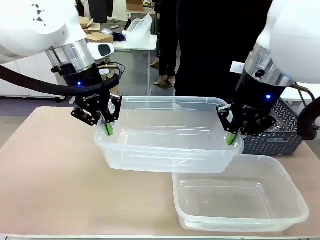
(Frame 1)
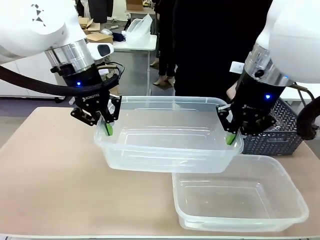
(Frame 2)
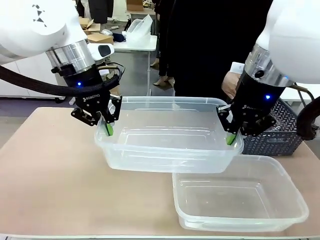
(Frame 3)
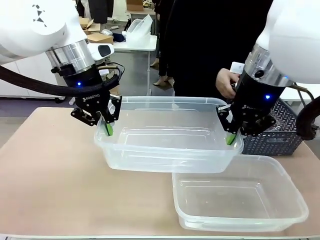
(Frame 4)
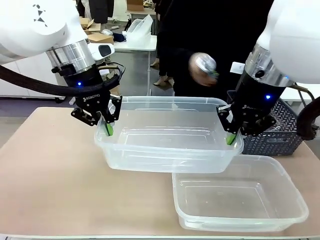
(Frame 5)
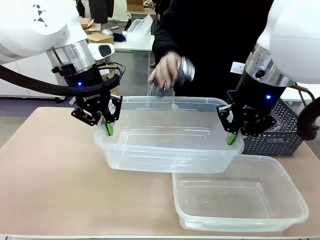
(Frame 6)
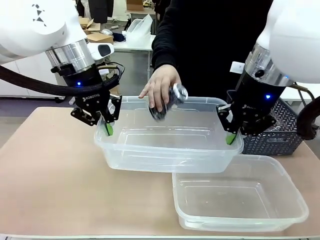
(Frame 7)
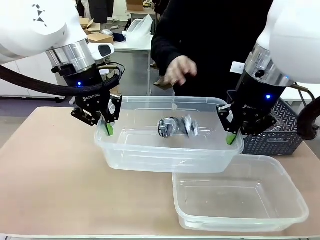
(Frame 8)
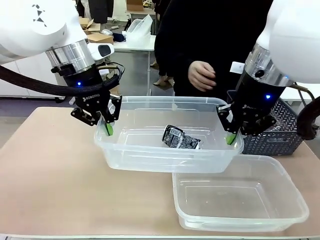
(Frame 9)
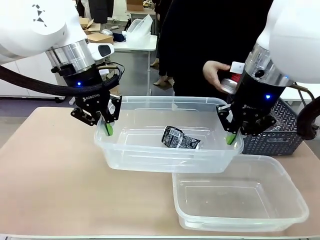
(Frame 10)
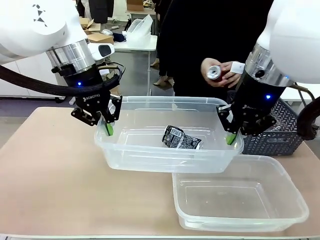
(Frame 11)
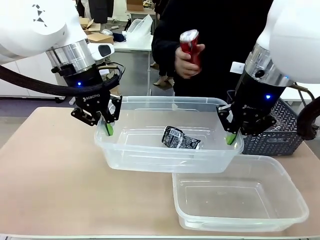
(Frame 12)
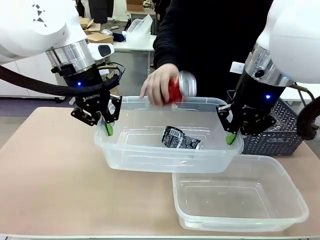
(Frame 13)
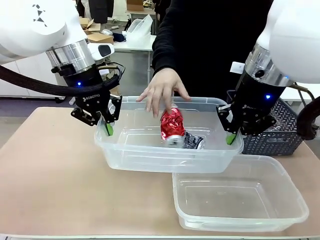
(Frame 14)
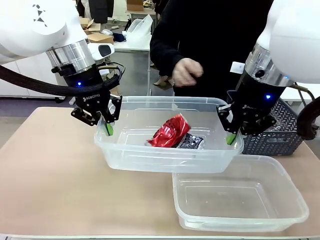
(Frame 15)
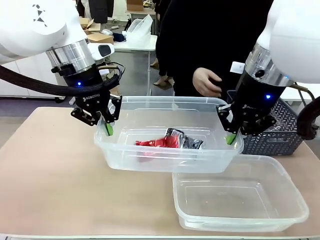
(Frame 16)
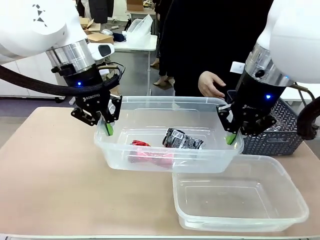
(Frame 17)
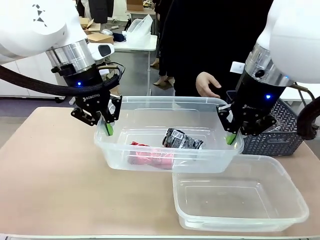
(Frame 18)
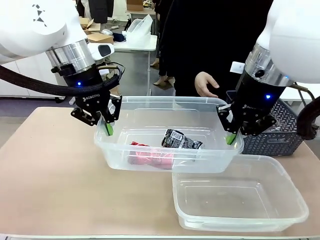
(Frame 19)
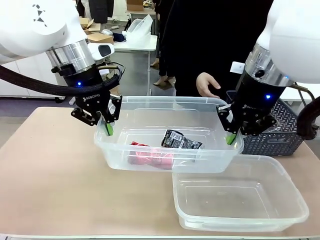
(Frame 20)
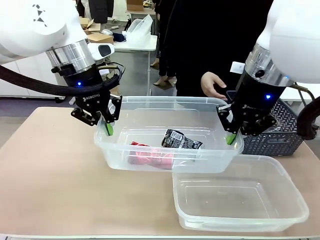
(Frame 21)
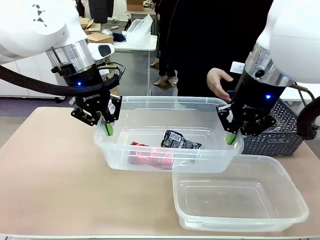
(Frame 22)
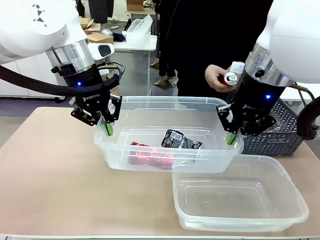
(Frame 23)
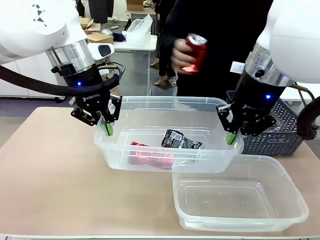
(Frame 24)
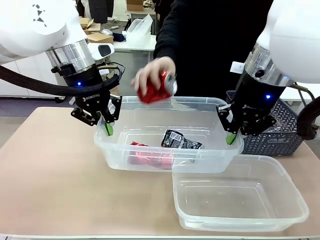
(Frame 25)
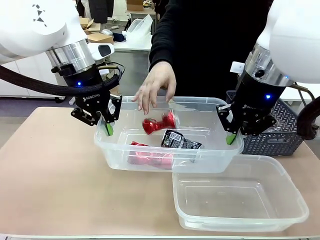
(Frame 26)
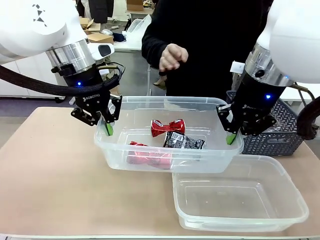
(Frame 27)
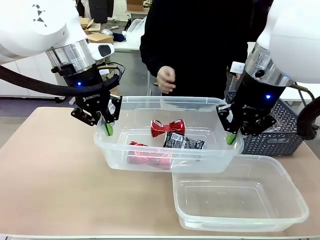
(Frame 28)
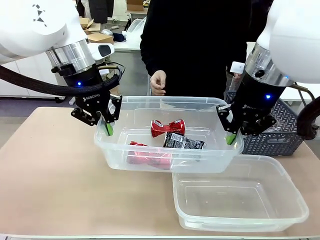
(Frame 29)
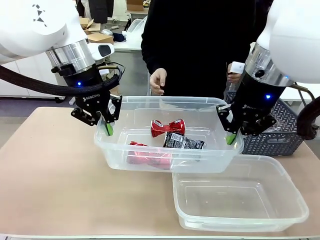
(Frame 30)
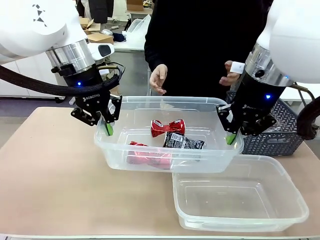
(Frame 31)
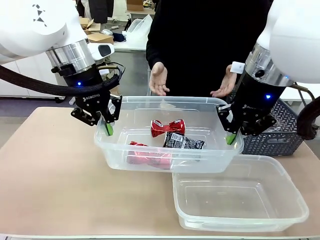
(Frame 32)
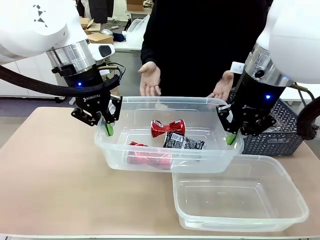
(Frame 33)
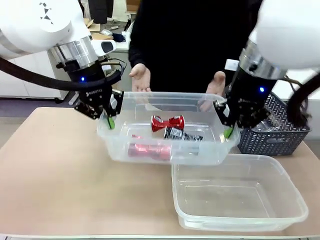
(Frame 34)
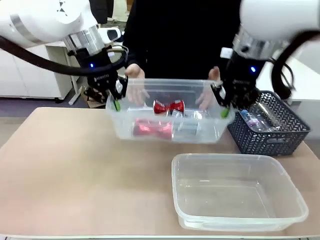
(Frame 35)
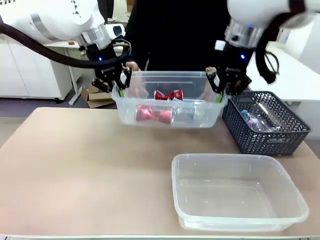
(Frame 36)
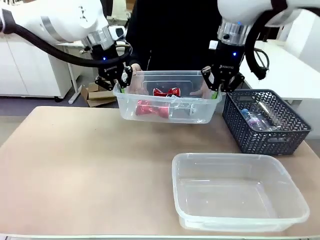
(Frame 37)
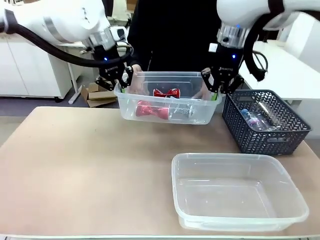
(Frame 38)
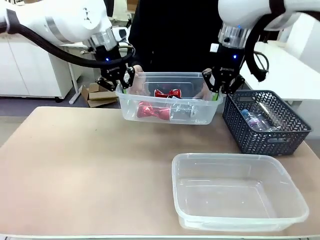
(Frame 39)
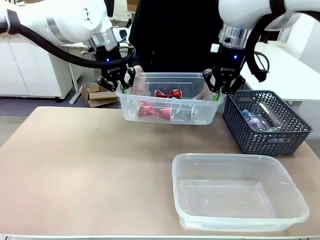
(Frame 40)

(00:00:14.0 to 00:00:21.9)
Robot: Offer the picked Organizing box to the human.

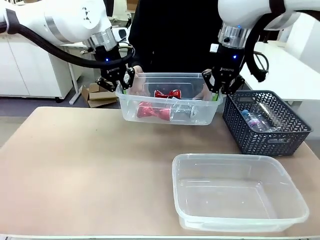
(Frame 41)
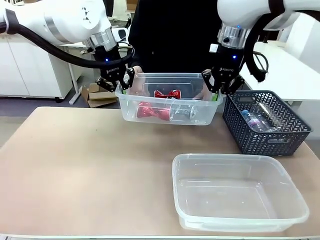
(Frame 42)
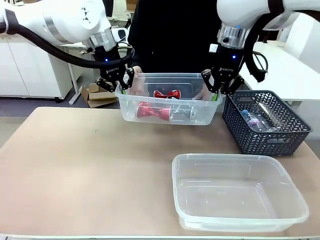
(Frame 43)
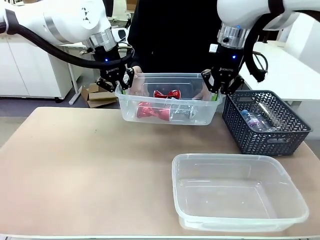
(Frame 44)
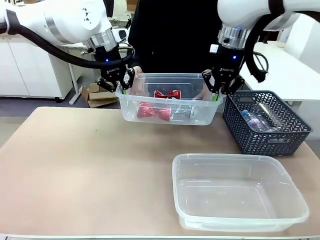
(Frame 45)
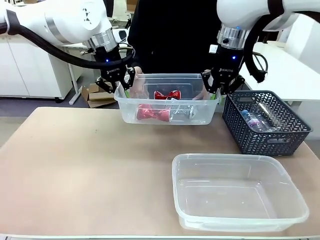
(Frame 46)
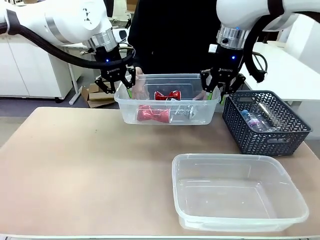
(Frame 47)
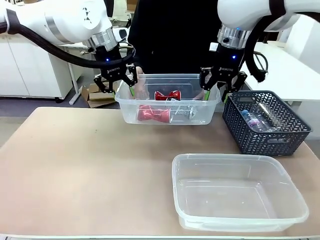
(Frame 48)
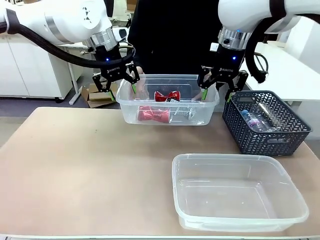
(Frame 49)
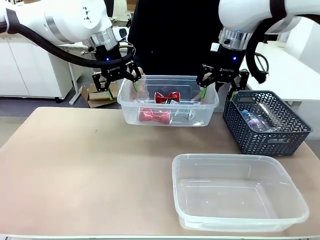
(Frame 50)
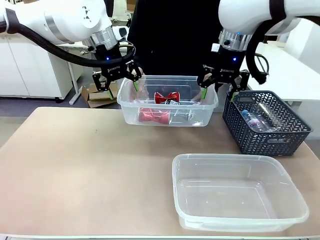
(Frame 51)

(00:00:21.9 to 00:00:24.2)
Robot: Release the Organizing box you were holding.

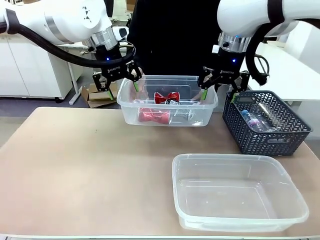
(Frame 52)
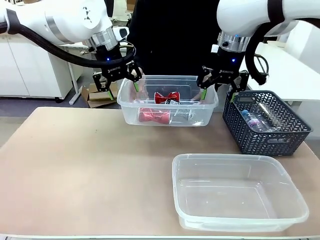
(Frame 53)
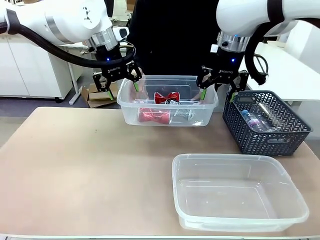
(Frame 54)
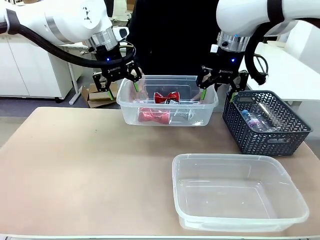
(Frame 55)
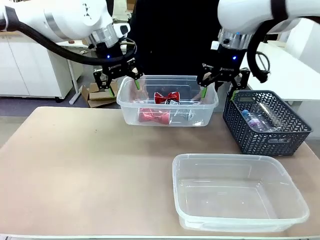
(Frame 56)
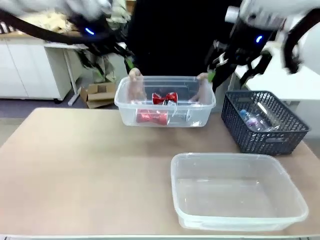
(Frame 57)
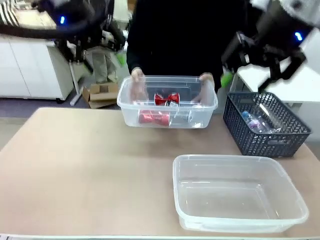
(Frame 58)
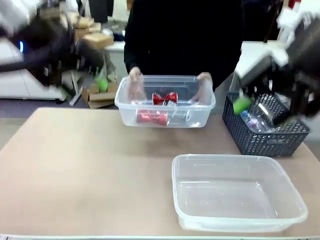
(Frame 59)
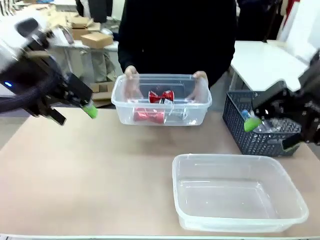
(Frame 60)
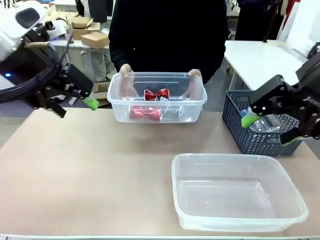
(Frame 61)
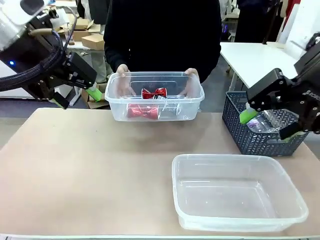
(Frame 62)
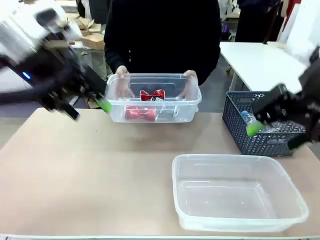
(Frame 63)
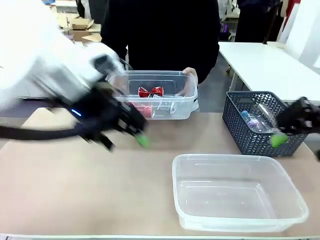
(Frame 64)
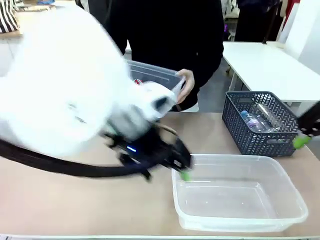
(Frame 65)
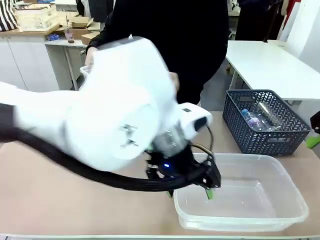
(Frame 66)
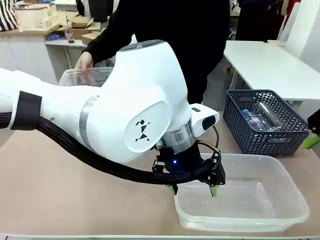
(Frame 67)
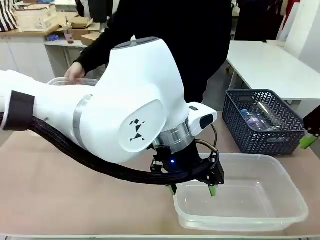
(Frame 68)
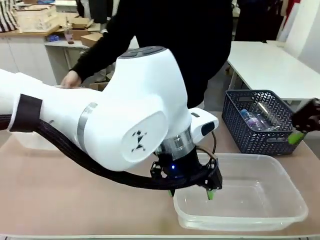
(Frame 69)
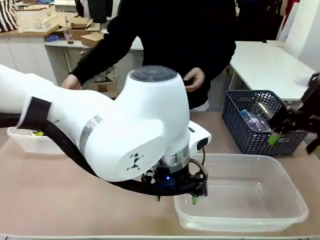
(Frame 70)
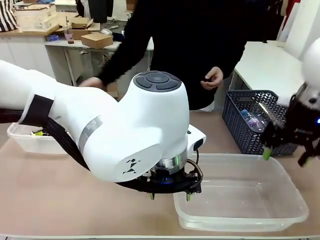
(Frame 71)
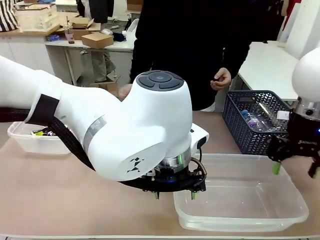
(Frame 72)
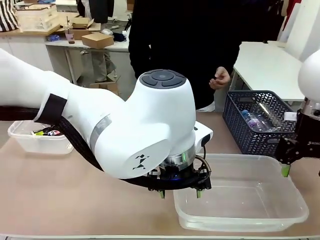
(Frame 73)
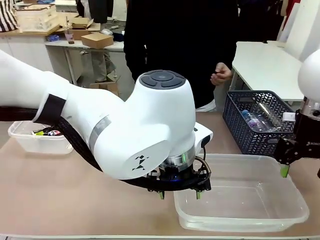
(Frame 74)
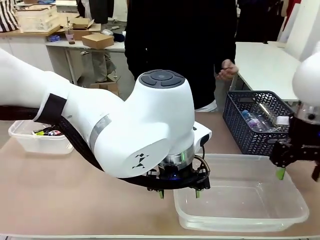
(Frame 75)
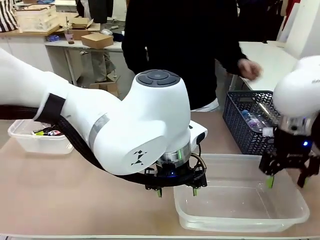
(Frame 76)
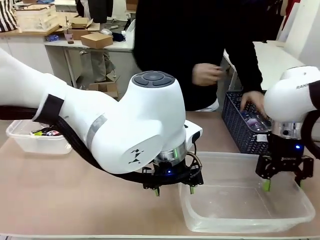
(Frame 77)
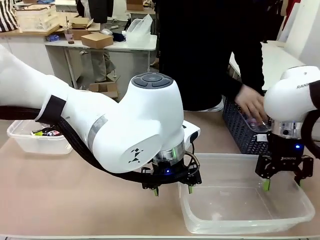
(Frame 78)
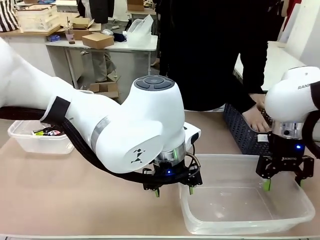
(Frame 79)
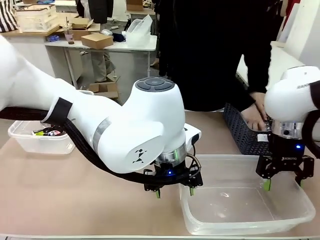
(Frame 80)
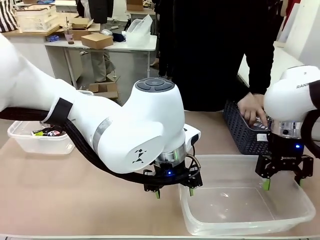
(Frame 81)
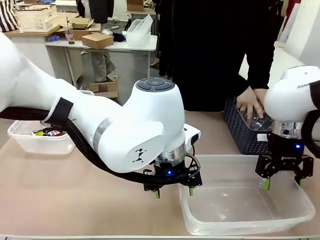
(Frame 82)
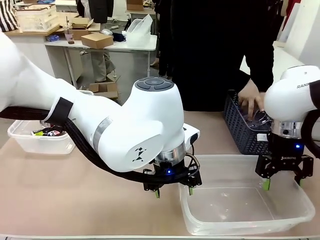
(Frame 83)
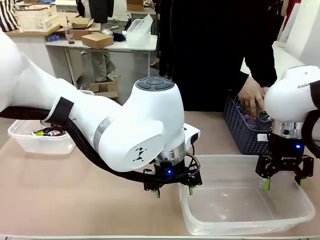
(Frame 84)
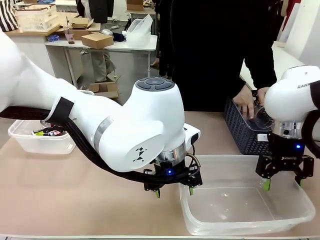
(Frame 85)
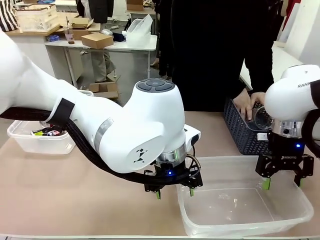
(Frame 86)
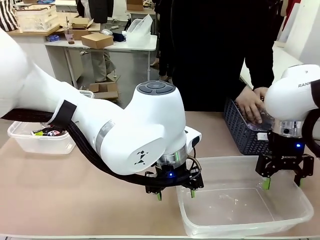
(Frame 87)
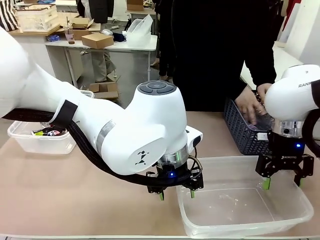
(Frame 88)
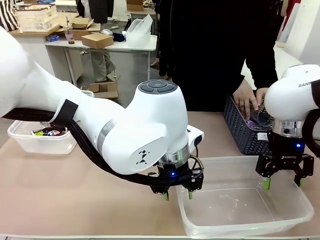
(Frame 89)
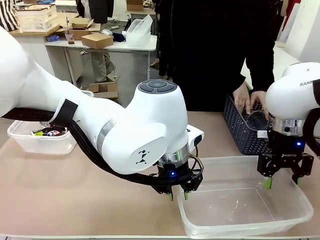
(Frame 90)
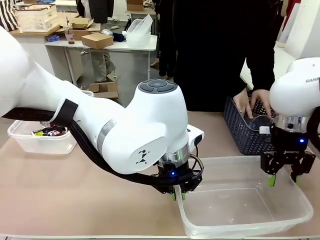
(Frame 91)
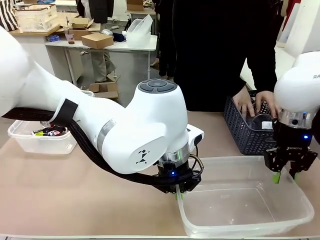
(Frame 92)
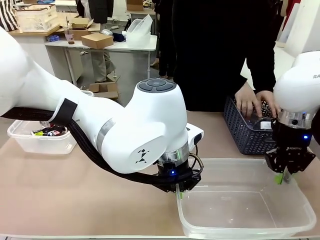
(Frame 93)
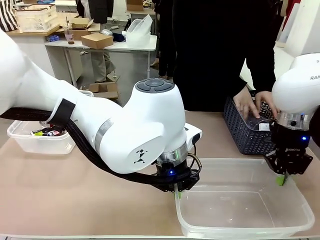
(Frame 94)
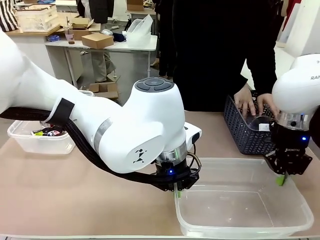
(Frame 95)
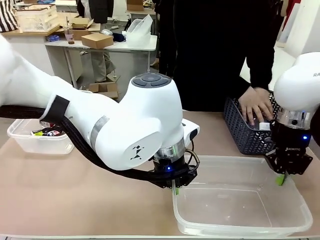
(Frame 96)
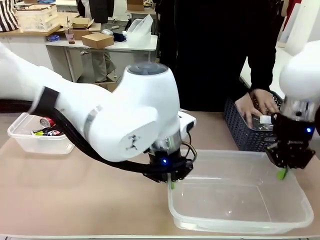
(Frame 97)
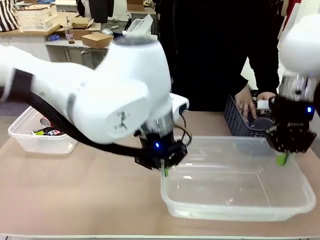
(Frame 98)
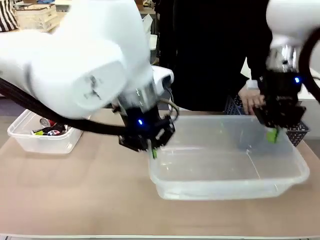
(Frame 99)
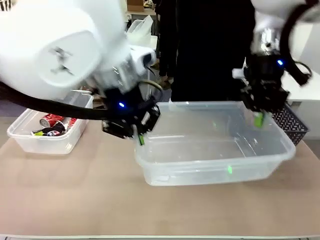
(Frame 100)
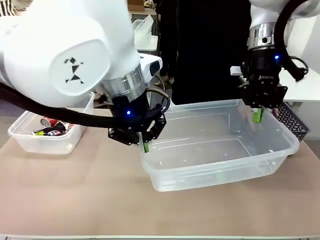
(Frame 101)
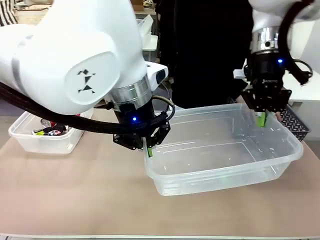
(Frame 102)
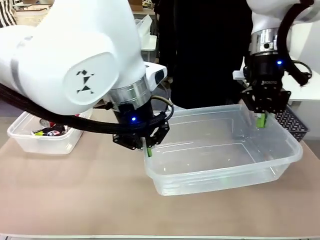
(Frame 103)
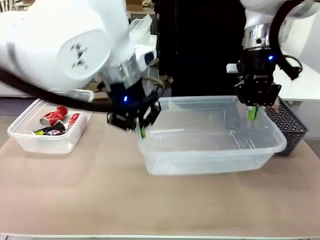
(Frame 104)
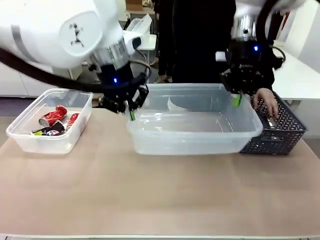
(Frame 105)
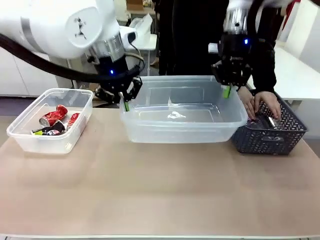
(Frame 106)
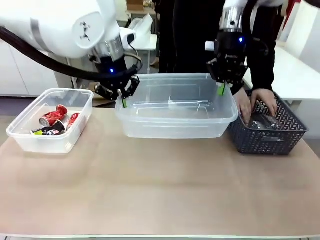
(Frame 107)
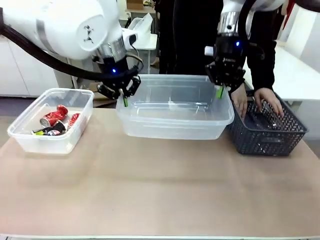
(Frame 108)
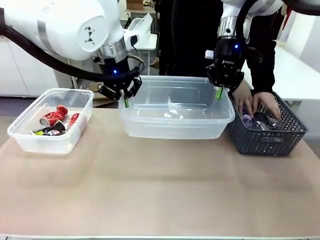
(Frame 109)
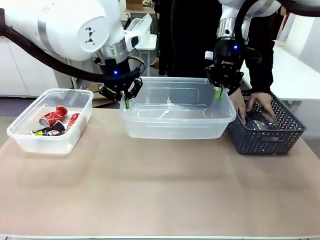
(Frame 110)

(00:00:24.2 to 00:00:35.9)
Robot: Pick up the Organizing box on the right side of the table and lift it.
Person: Place it at the edge of the bottom right area of the robot table. Pick up plastic waste one by one and place it into the organizing box lifted by the robot.
